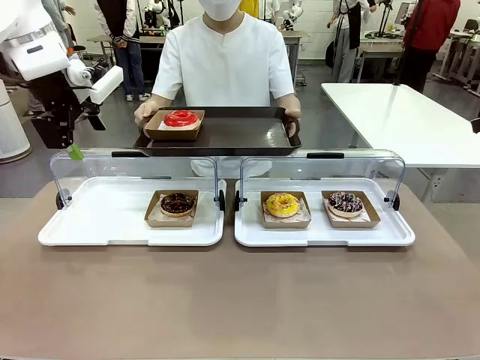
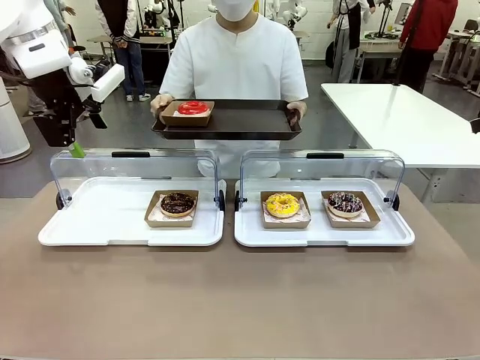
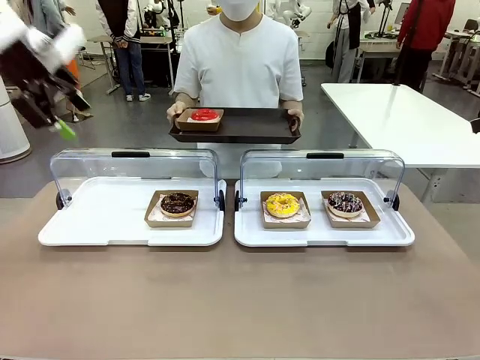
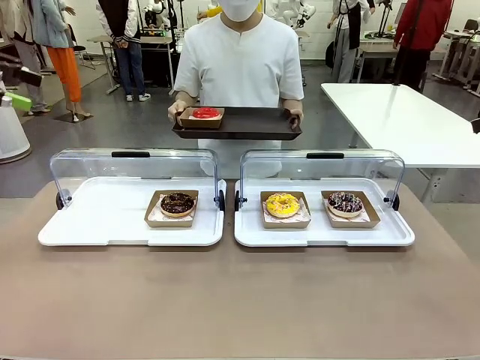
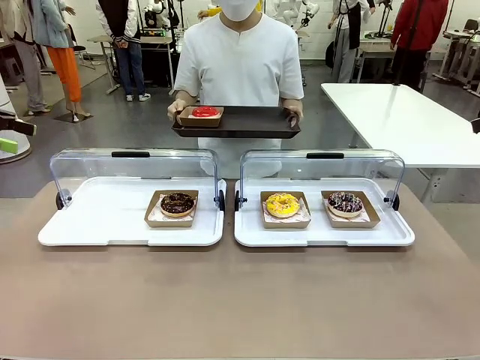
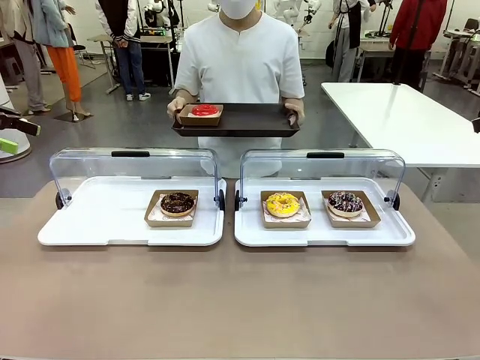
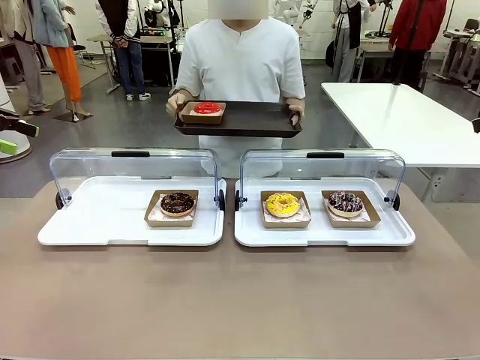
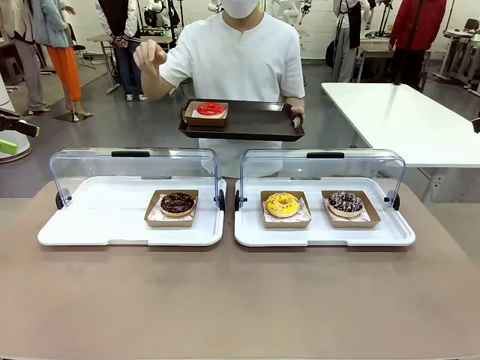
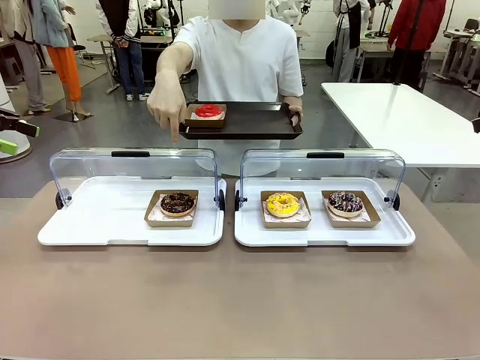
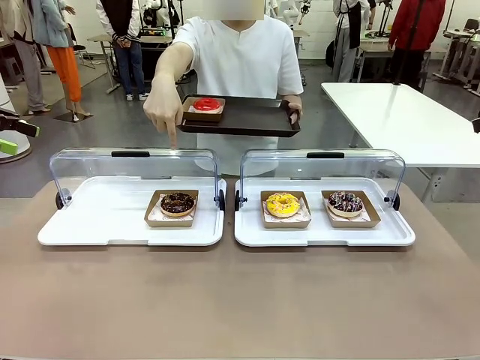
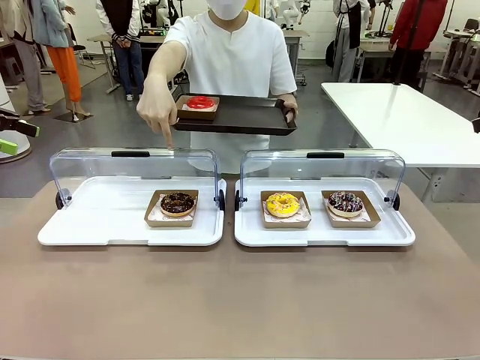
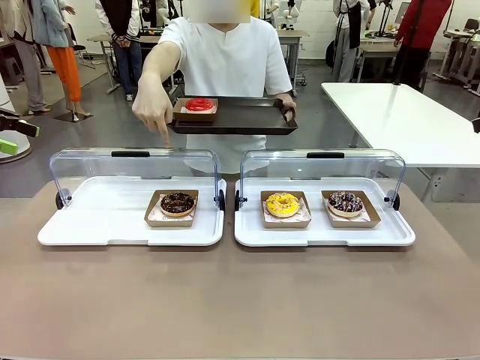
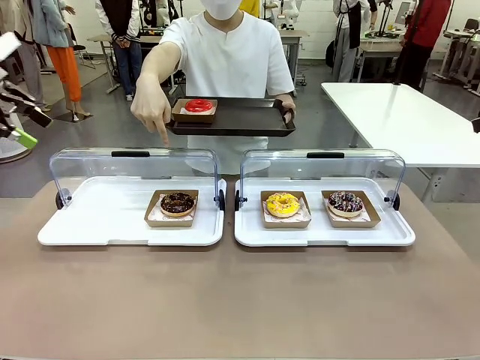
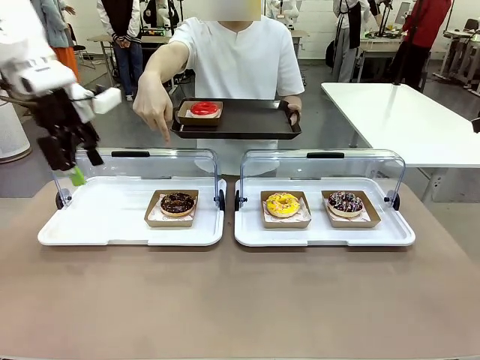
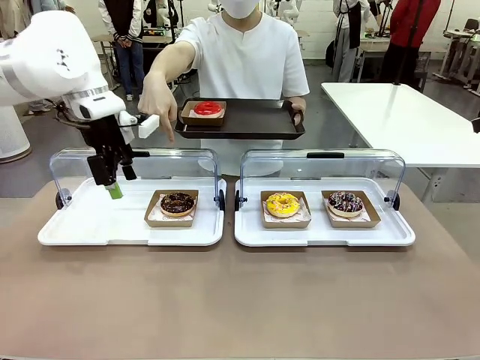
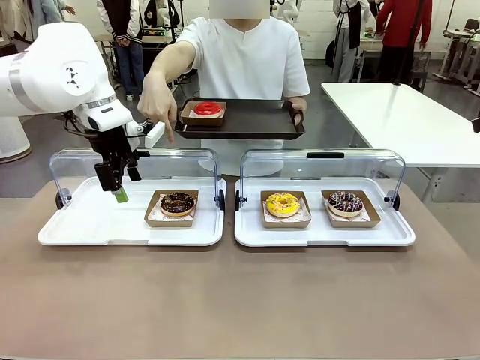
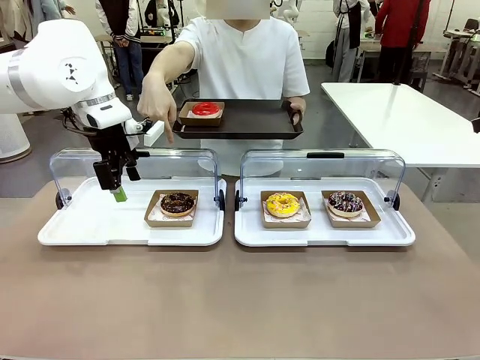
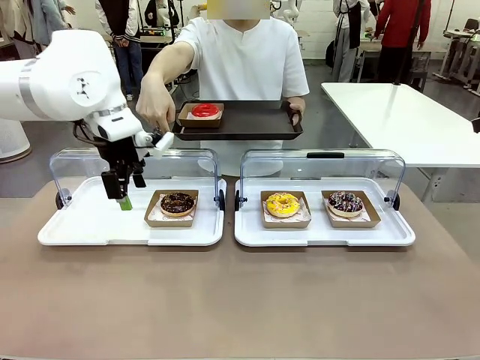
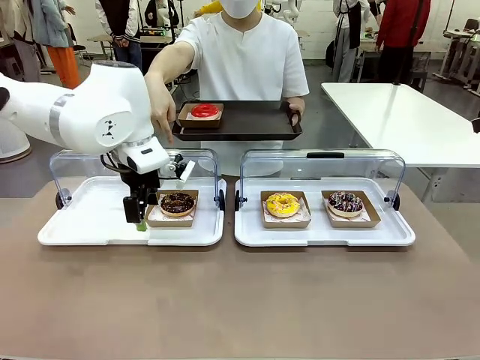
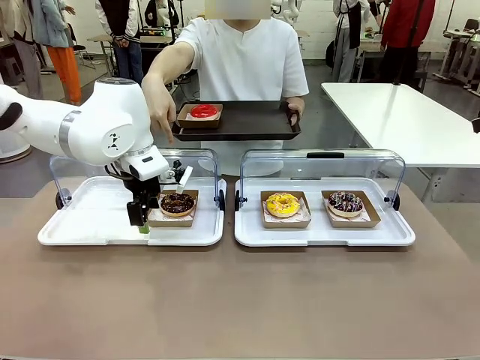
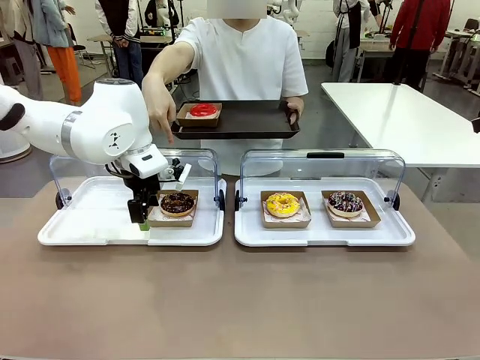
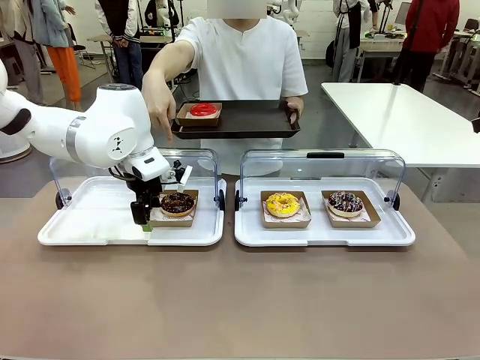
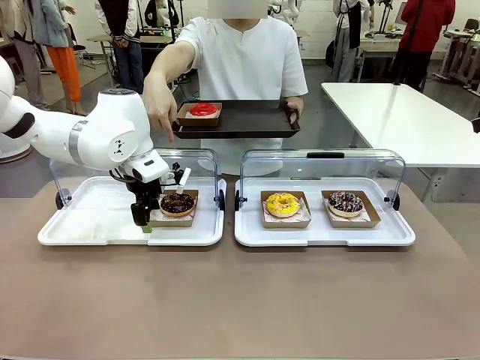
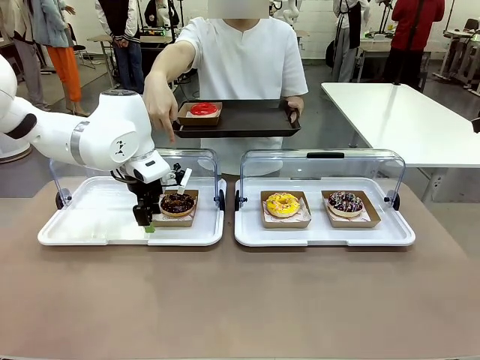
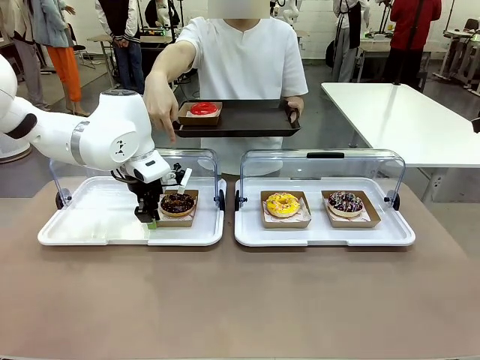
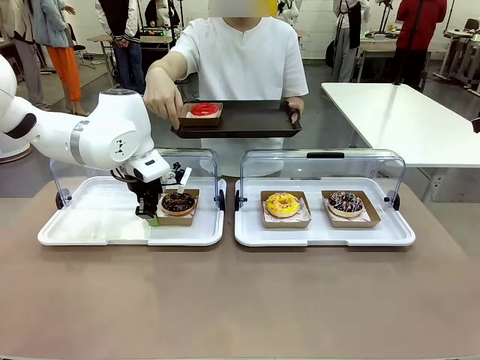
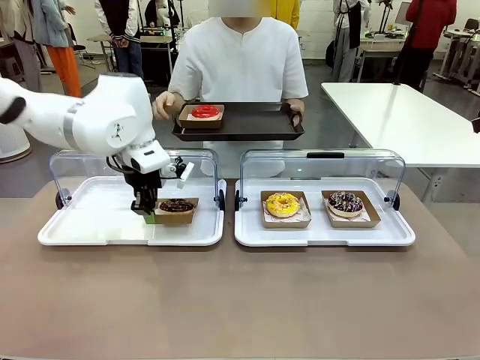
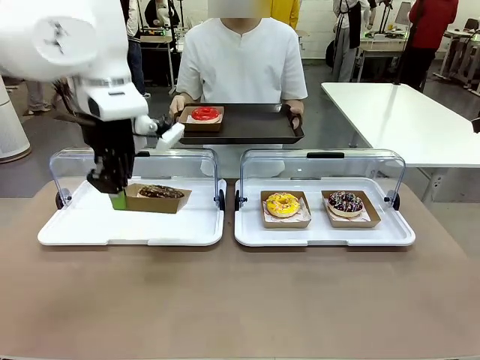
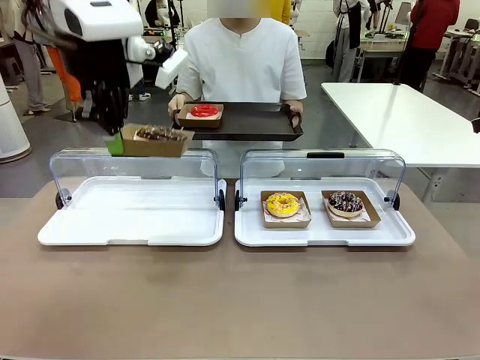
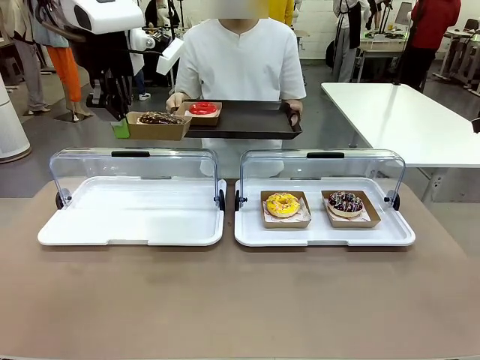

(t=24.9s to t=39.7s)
Task: Provide the desired donut to the person.
Robot: Pick up and lift the Paper togo box containing the Donut pointed at by the person.
Person: Point to one donut. Lift the tray onto the Roll-Top Bakery Case.

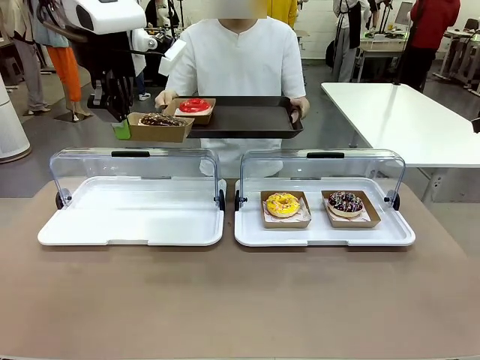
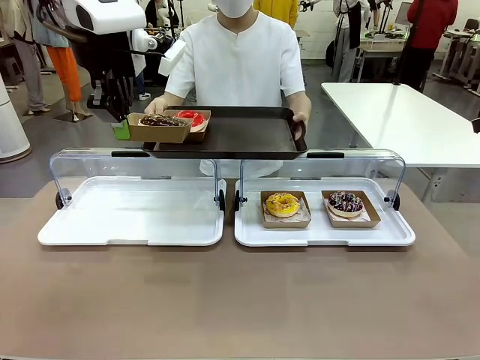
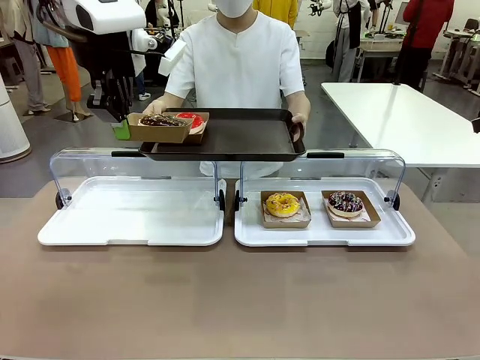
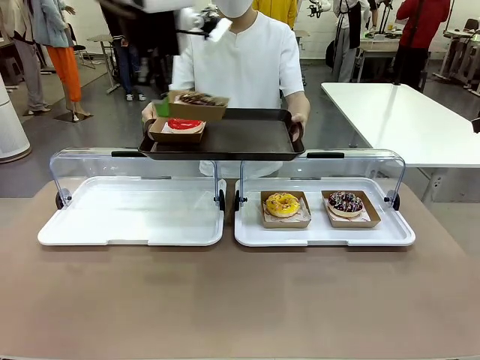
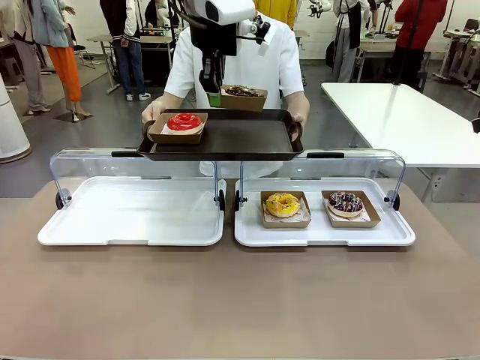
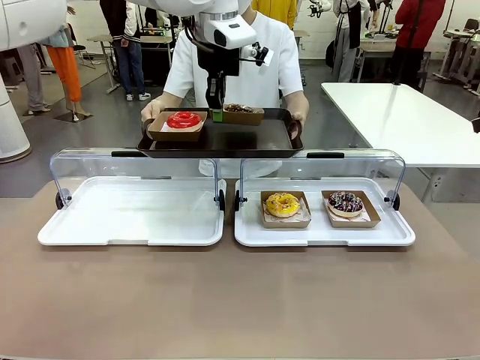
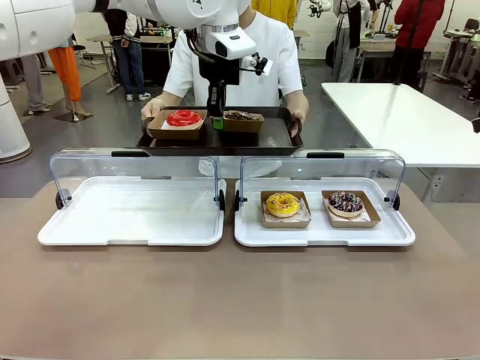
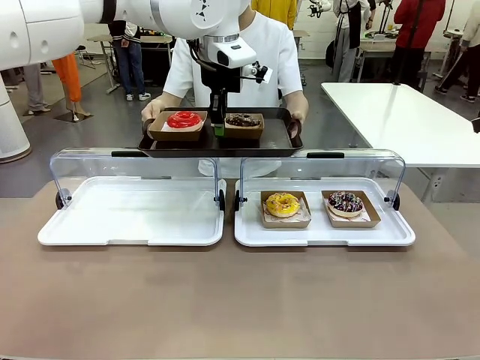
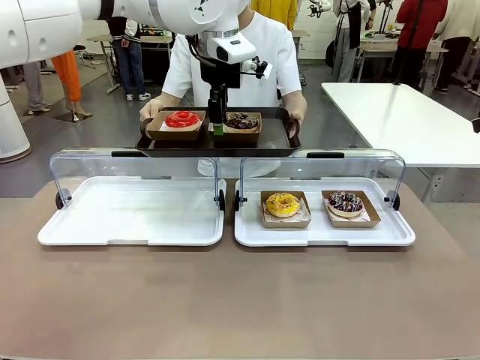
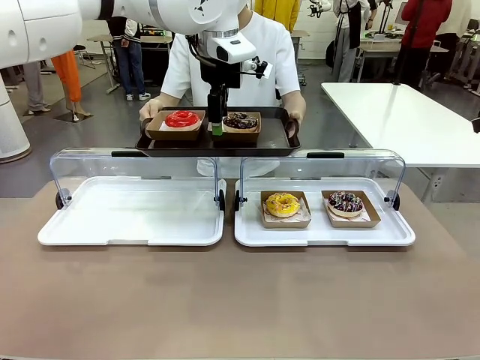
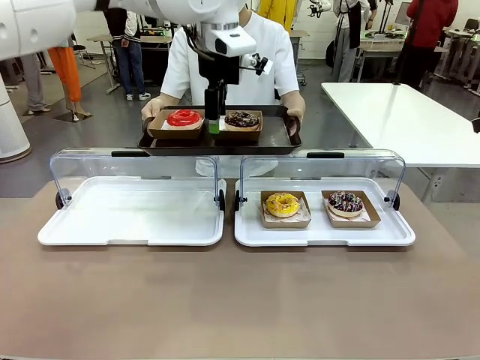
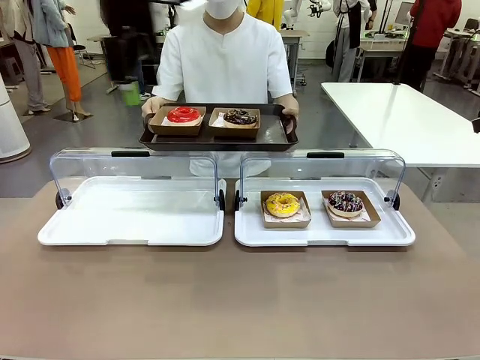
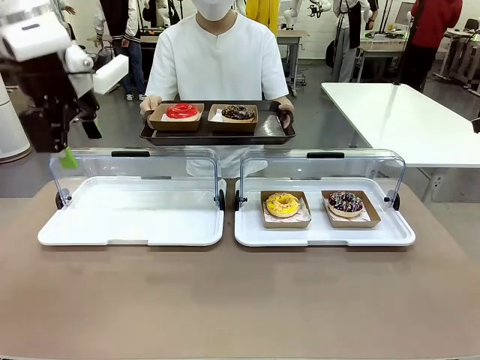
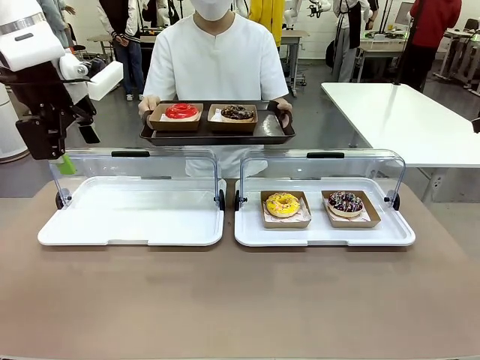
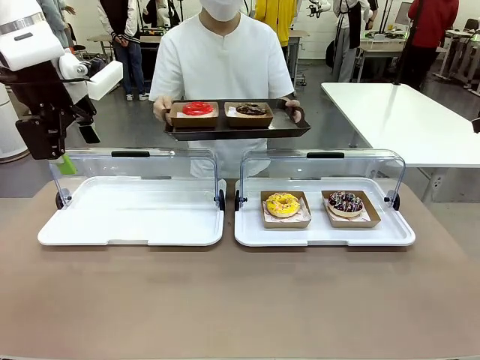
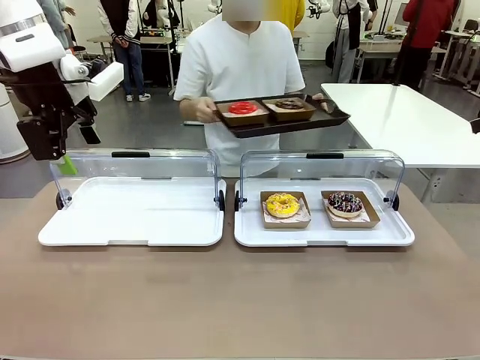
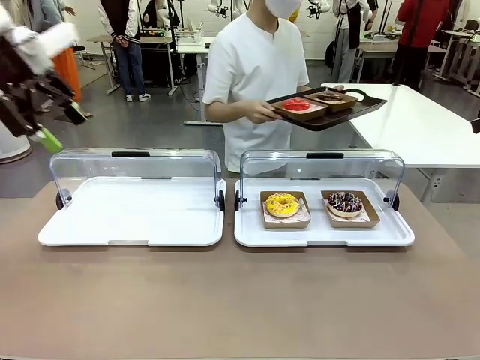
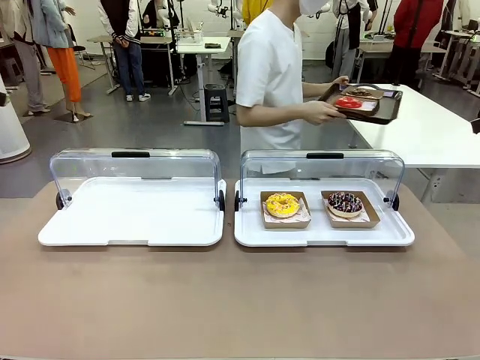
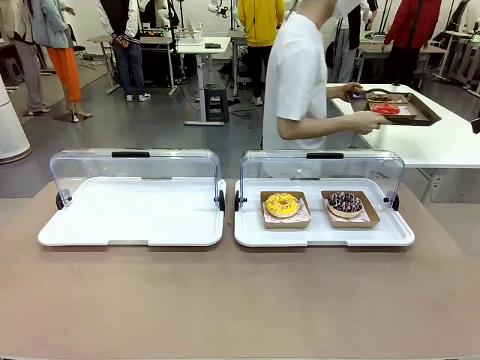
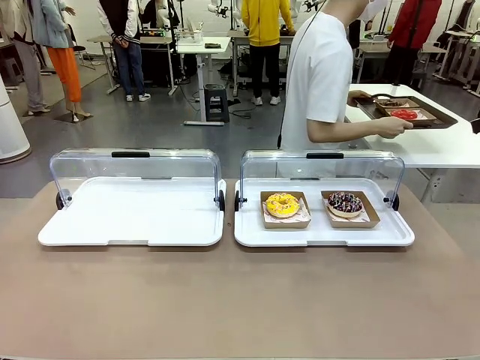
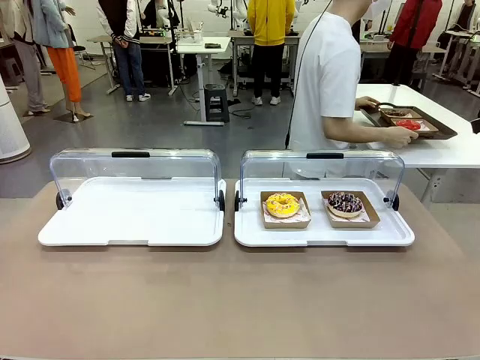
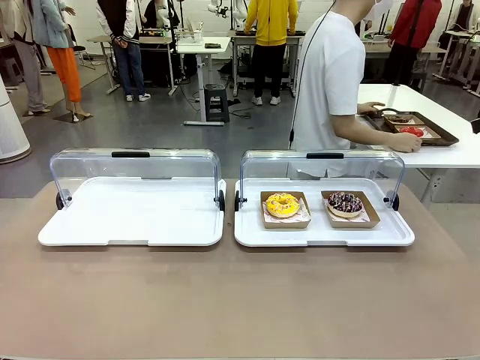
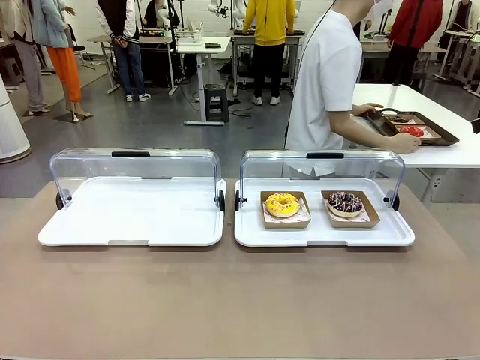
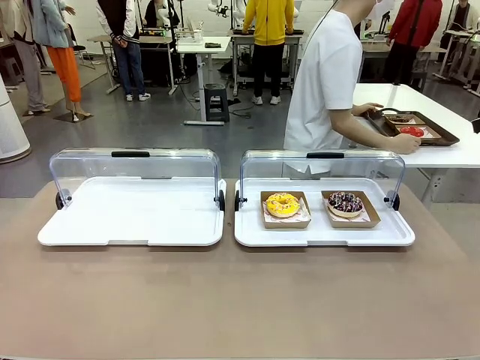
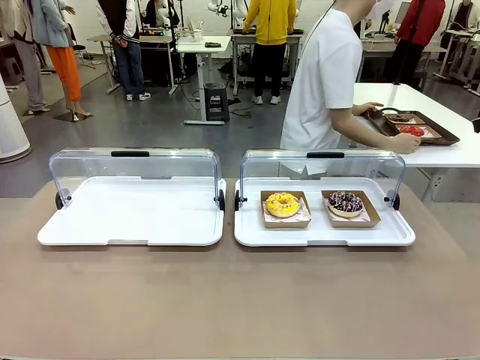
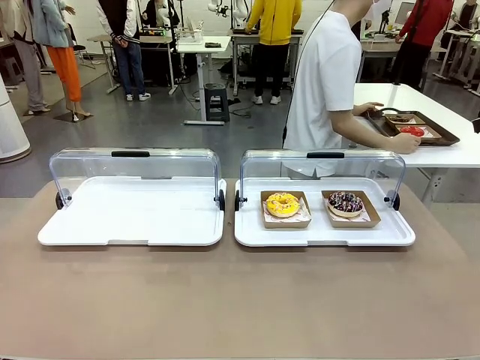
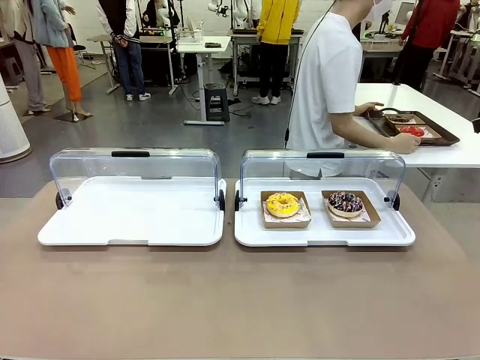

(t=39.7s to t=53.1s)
Robot: Place the picked Paper togo box onto the Handle tray extended by the person.
Person: Place the tray in the middle of the human table.
